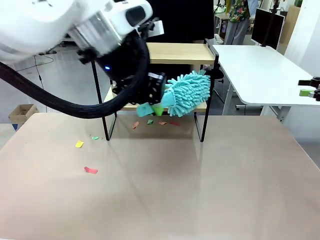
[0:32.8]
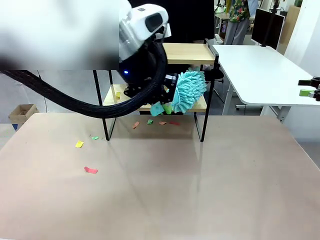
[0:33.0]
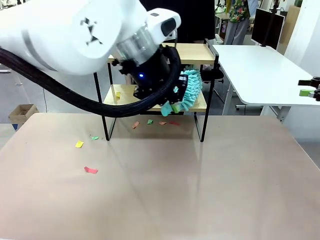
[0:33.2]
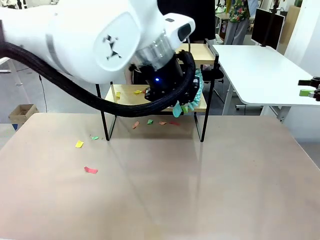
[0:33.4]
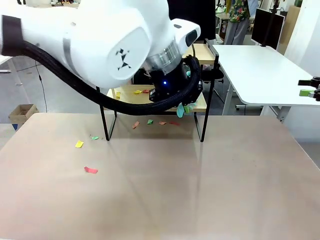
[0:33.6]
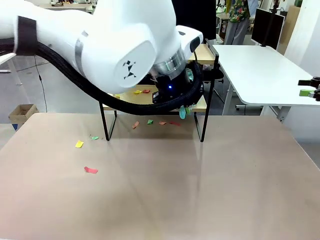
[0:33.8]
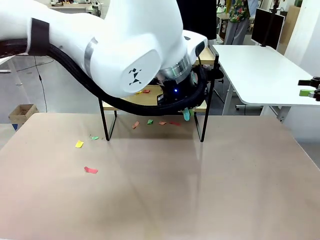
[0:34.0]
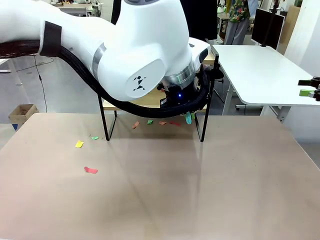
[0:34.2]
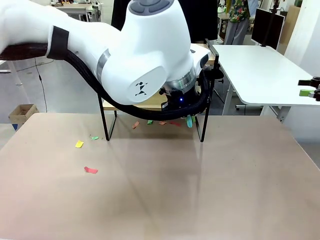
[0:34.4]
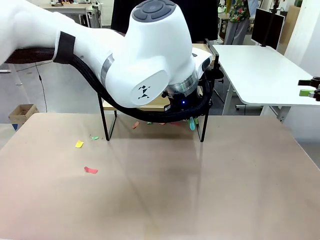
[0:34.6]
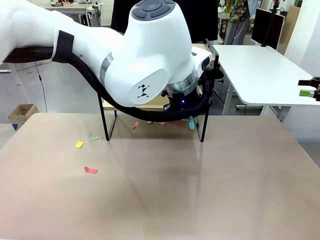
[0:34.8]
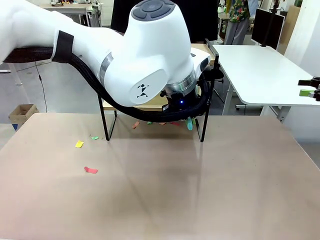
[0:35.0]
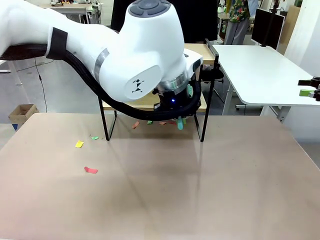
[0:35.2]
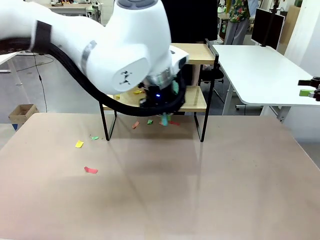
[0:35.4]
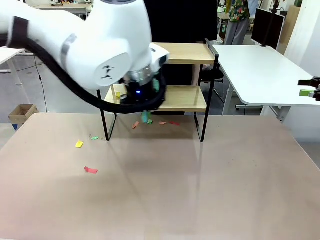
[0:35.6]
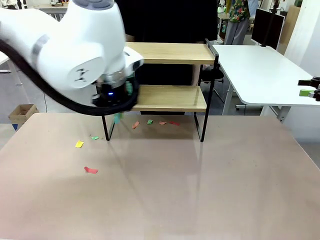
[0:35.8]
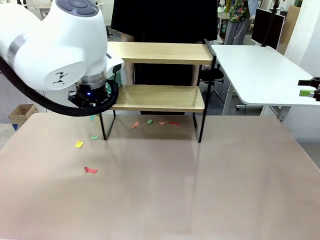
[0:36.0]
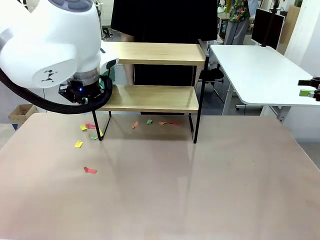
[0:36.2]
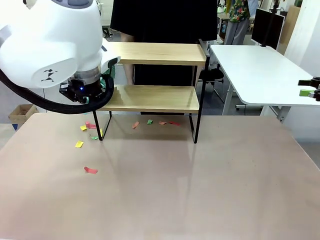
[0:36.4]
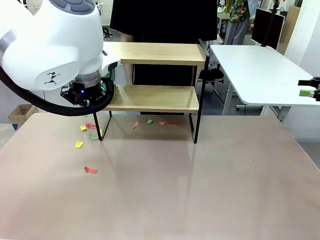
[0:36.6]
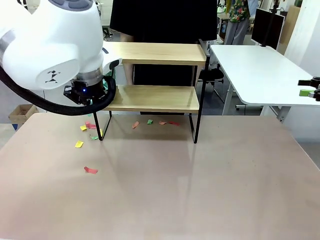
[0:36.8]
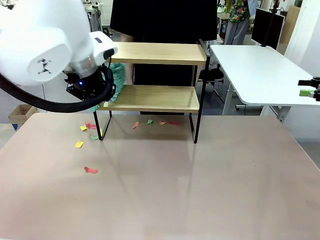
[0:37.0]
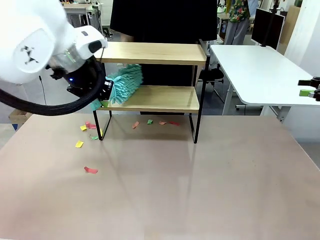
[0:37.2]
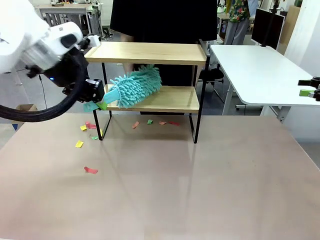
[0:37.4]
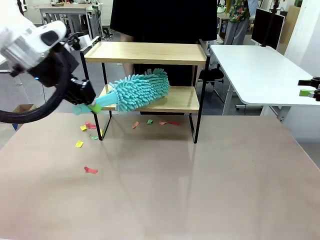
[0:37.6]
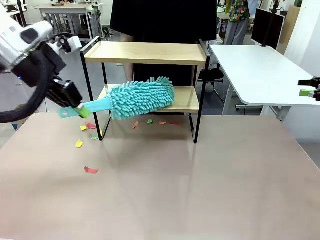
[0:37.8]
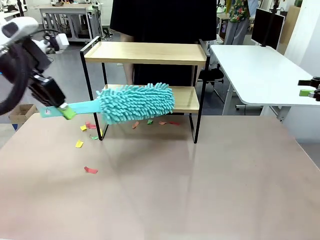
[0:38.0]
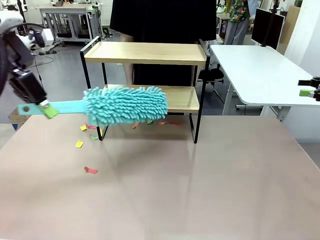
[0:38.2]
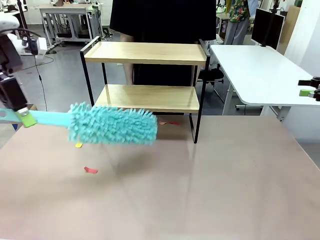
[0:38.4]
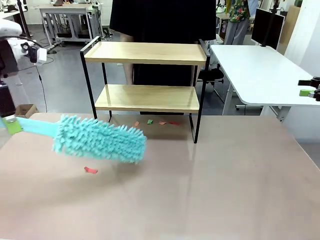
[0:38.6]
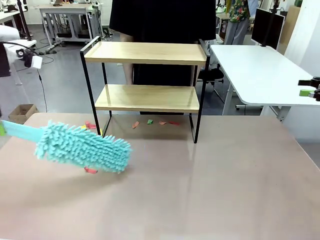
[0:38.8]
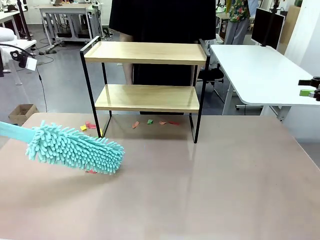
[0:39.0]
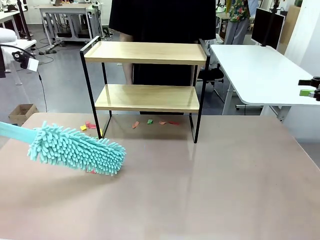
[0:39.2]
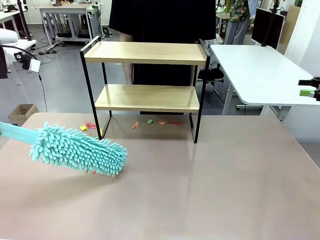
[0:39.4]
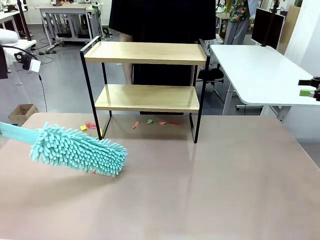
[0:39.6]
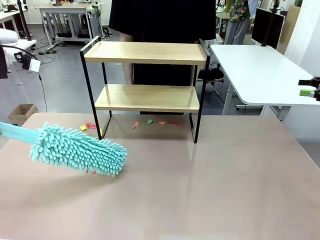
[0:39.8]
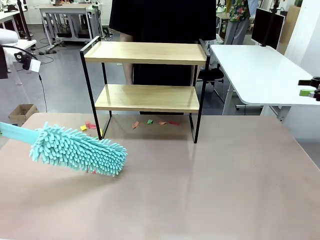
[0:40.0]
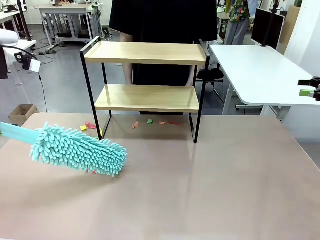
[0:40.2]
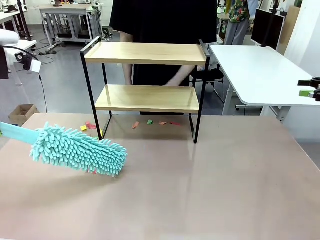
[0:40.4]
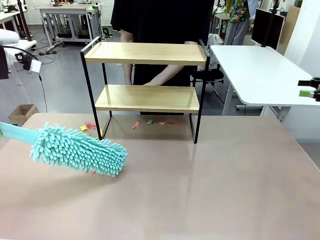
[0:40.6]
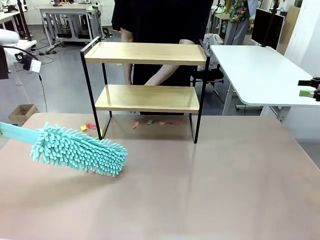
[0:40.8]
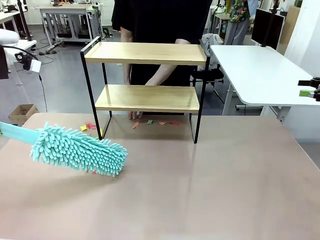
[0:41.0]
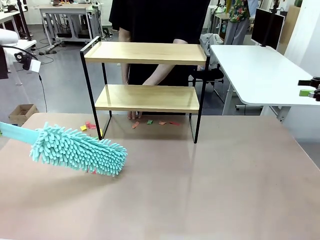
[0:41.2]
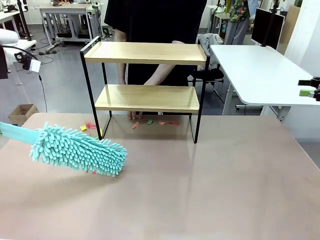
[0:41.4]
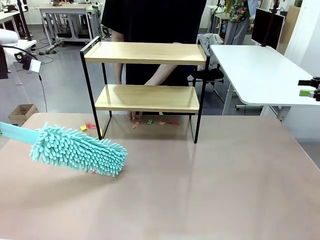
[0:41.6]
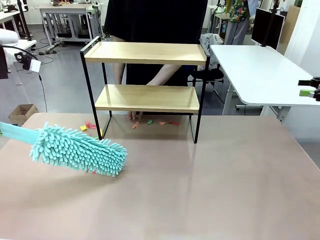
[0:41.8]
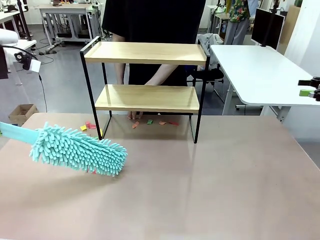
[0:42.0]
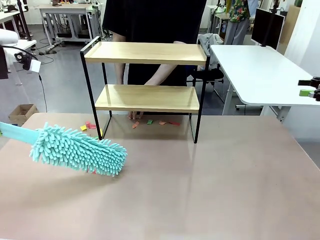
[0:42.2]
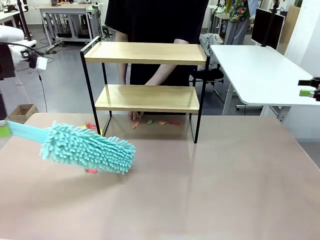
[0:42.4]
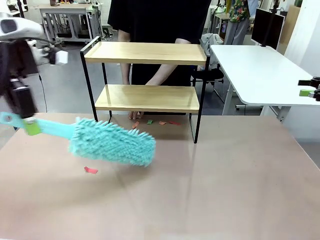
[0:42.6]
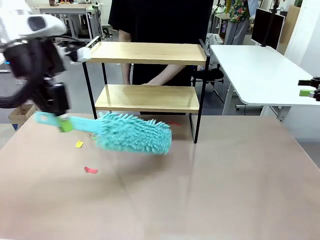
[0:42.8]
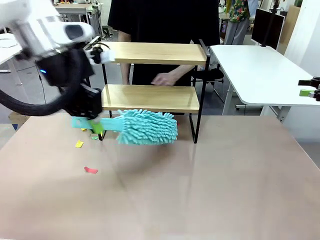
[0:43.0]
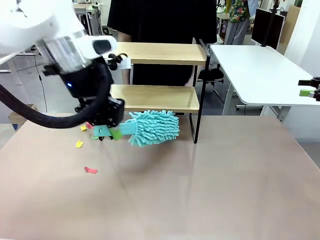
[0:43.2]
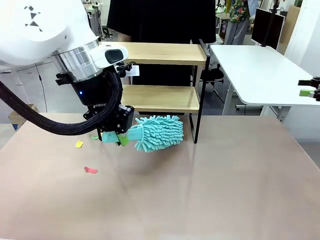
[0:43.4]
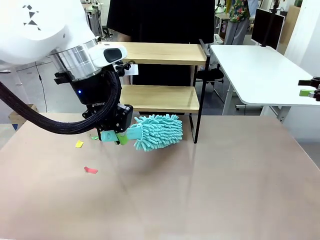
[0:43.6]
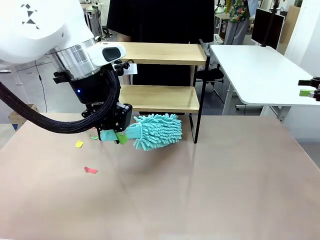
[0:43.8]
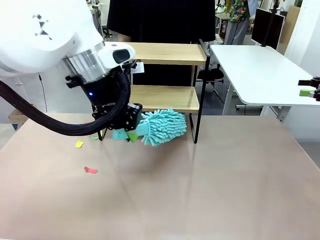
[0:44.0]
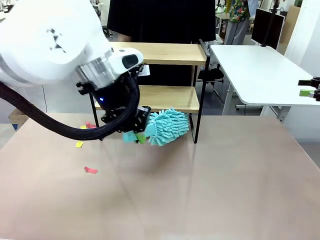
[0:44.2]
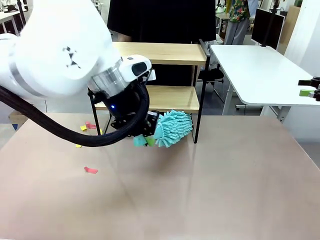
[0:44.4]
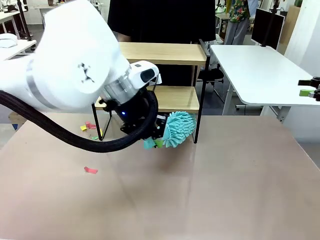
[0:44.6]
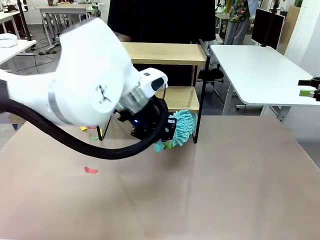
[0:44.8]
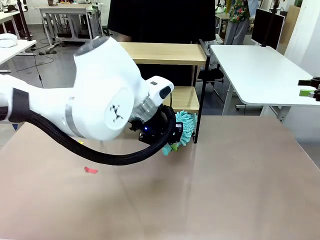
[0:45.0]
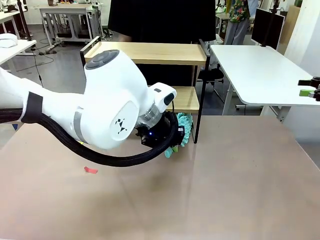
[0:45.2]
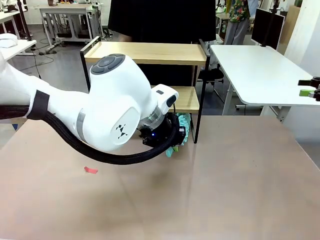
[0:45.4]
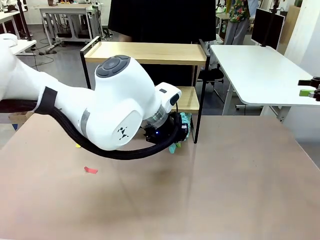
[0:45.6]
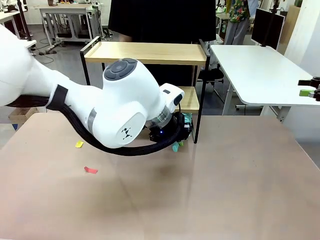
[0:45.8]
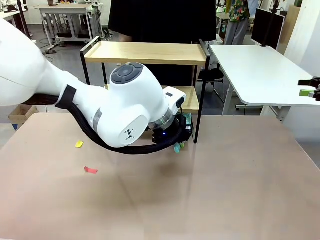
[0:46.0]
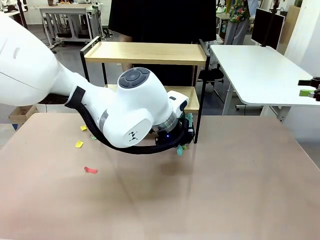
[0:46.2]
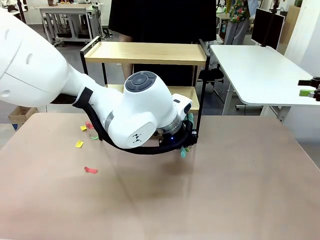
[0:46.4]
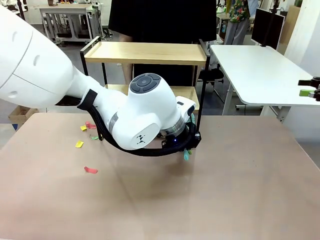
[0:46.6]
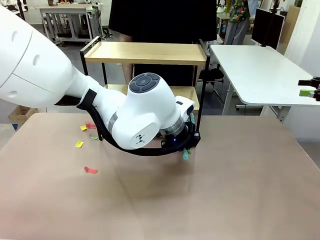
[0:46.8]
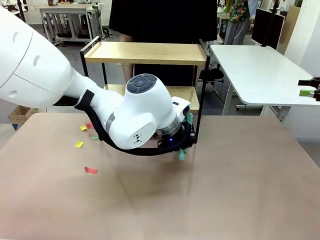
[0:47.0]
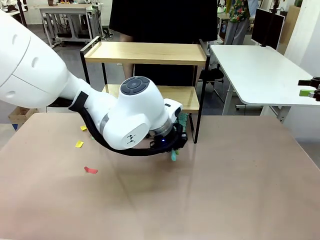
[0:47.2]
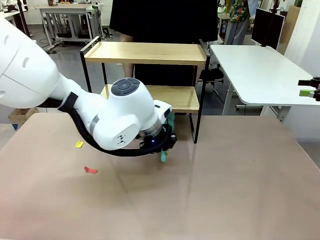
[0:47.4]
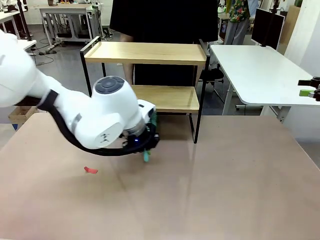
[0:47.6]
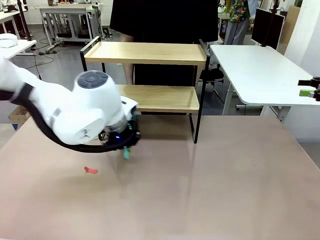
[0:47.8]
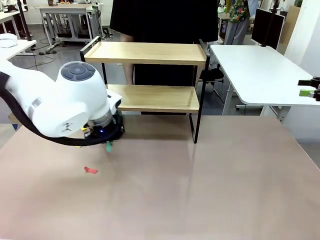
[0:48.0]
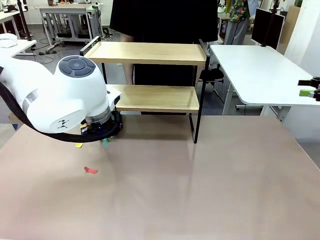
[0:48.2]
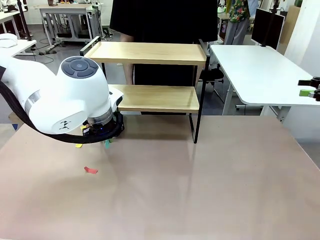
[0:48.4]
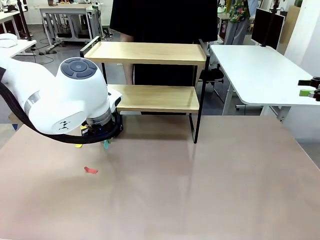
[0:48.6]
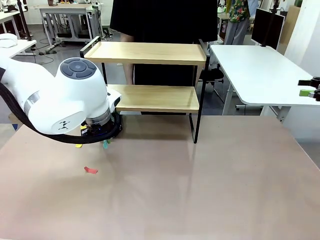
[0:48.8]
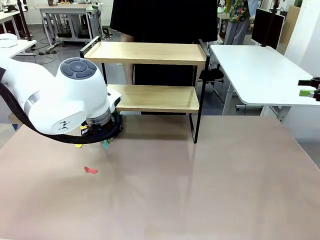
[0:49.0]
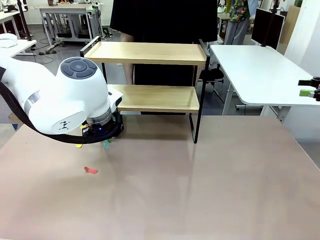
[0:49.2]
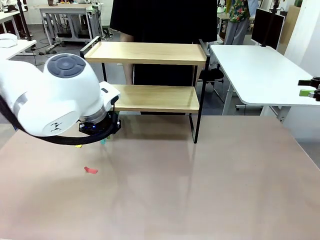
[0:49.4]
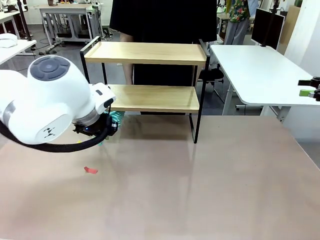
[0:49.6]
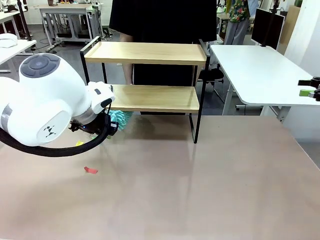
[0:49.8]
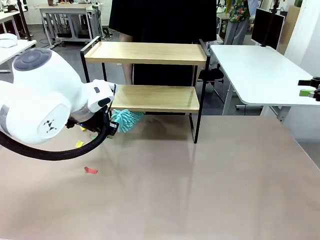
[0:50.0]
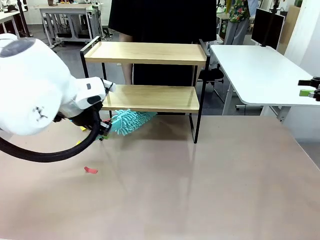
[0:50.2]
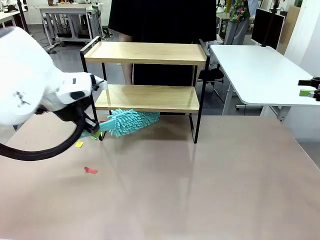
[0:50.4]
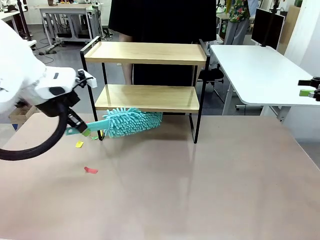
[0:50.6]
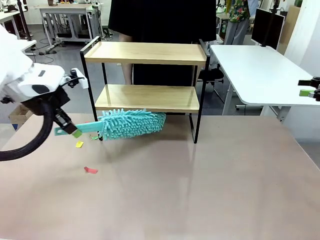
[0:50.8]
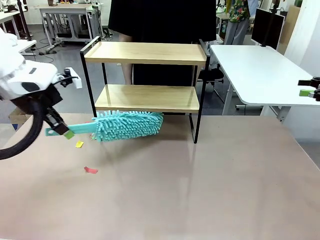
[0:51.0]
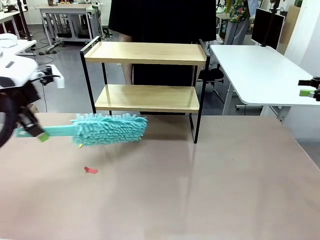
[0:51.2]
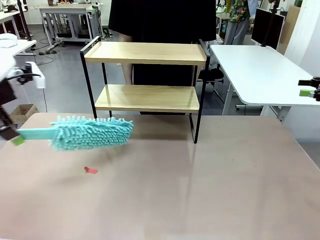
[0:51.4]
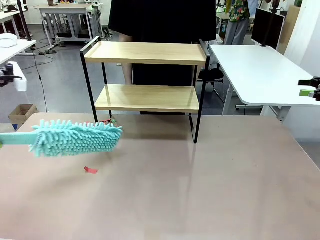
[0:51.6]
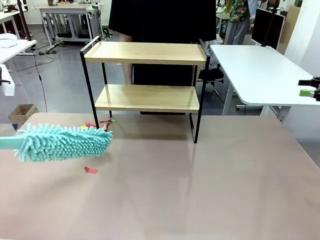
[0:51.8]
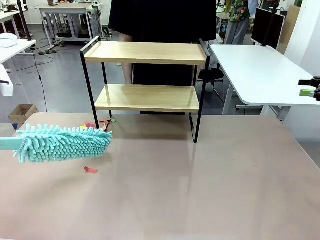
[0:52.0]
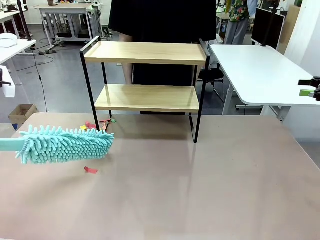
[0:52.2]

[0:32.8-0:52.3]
Task: Clean the shelf.
Robot: Clean the specific section of the Shelf indicated by the human with the Duster.
Person: Point a remaining section of the Shelf.
